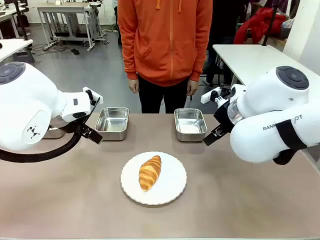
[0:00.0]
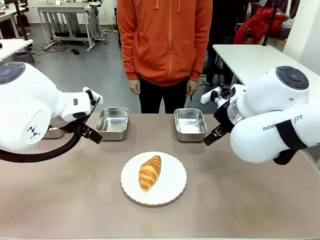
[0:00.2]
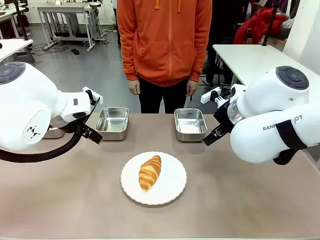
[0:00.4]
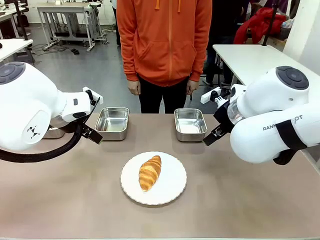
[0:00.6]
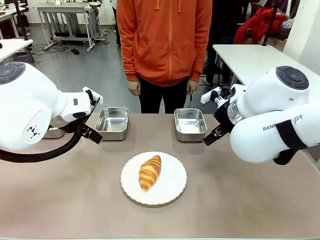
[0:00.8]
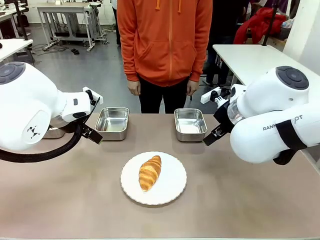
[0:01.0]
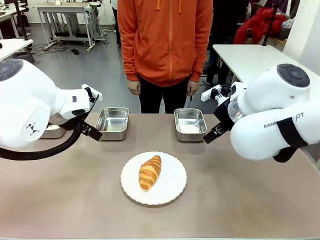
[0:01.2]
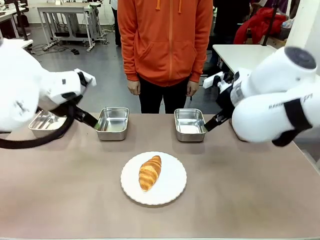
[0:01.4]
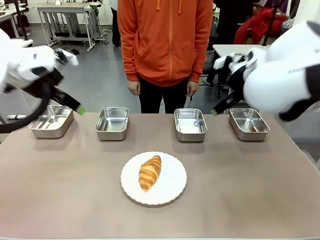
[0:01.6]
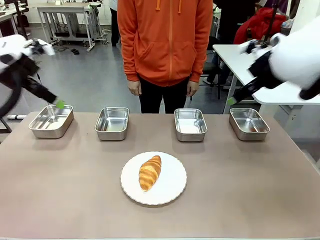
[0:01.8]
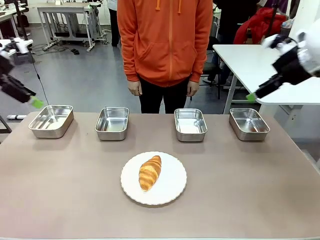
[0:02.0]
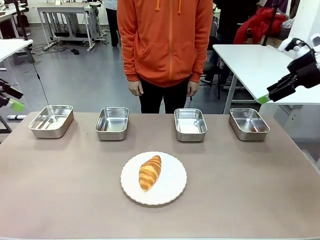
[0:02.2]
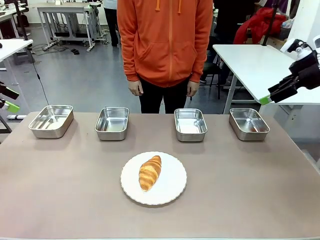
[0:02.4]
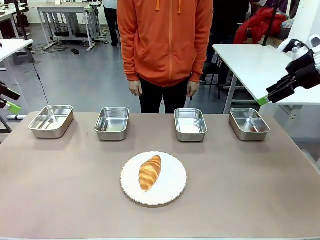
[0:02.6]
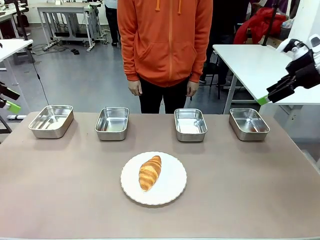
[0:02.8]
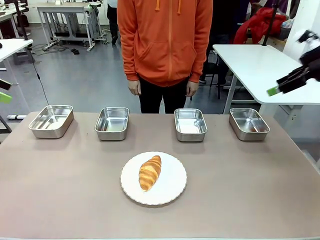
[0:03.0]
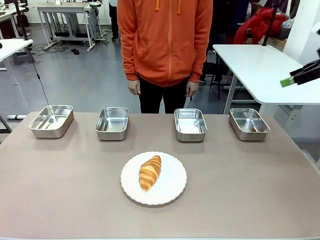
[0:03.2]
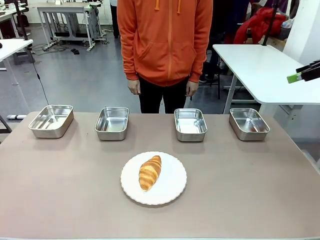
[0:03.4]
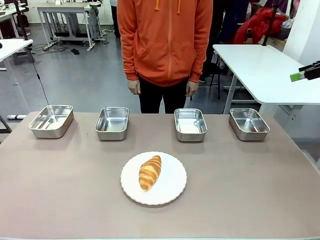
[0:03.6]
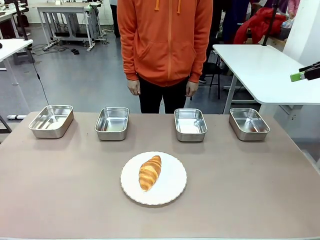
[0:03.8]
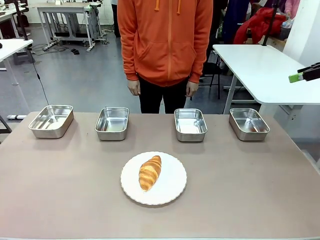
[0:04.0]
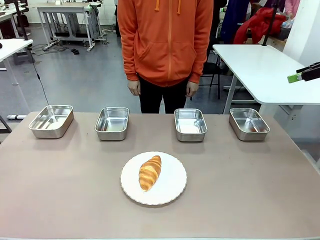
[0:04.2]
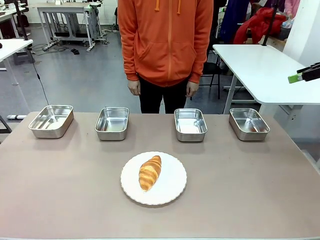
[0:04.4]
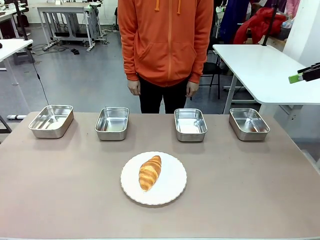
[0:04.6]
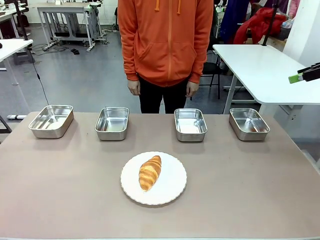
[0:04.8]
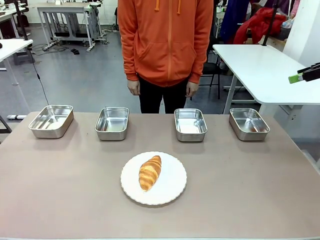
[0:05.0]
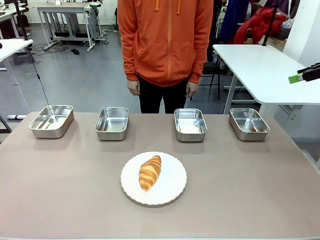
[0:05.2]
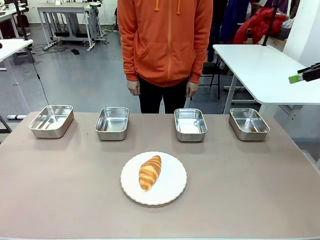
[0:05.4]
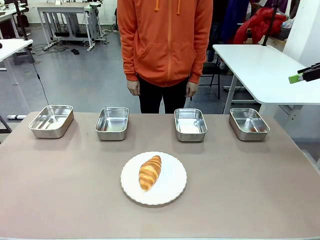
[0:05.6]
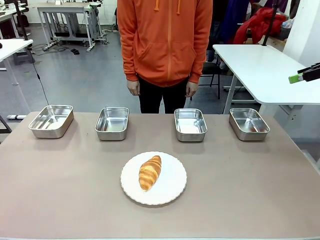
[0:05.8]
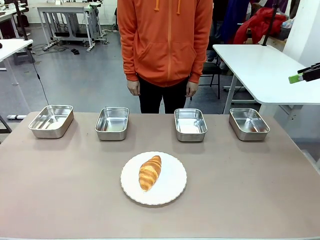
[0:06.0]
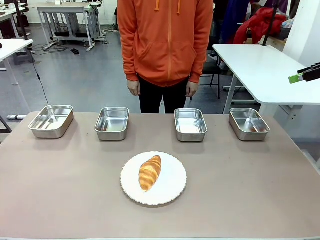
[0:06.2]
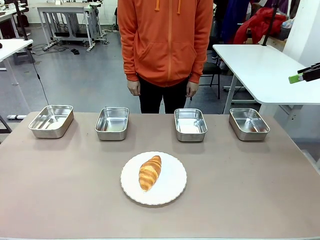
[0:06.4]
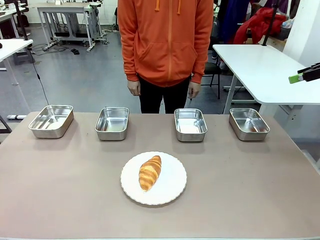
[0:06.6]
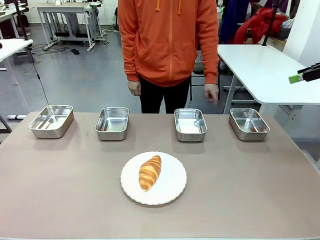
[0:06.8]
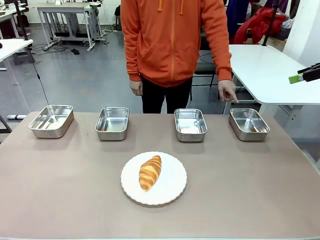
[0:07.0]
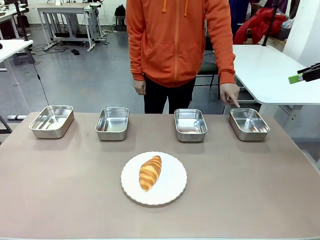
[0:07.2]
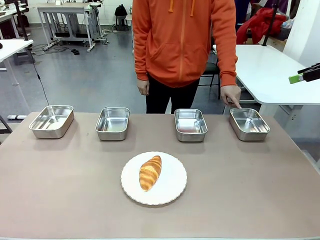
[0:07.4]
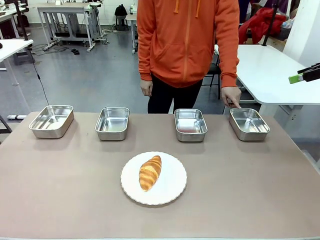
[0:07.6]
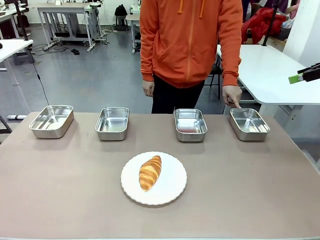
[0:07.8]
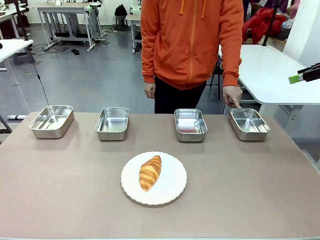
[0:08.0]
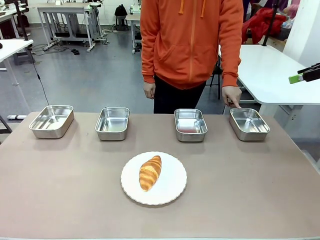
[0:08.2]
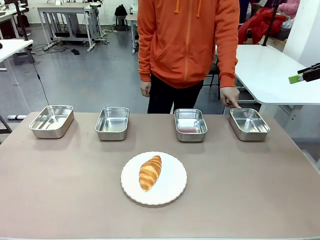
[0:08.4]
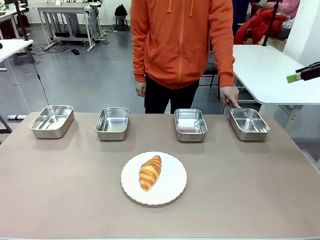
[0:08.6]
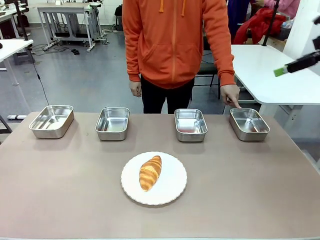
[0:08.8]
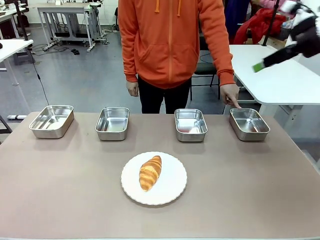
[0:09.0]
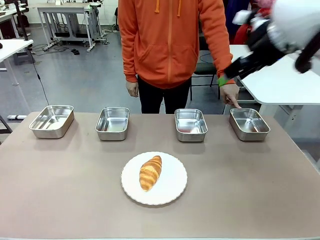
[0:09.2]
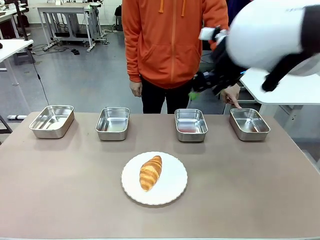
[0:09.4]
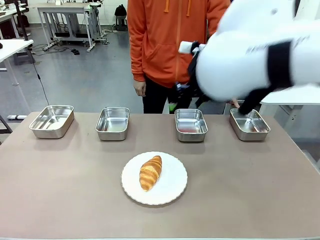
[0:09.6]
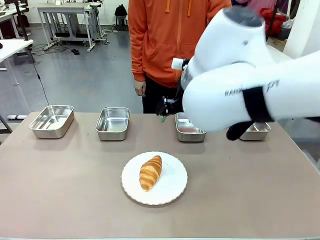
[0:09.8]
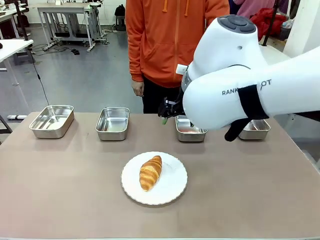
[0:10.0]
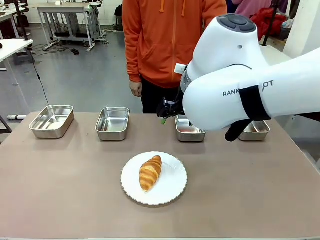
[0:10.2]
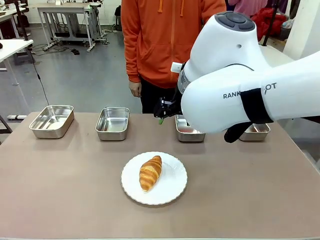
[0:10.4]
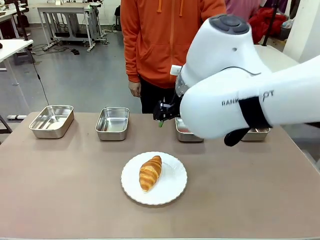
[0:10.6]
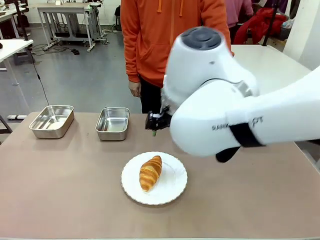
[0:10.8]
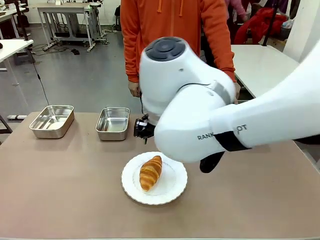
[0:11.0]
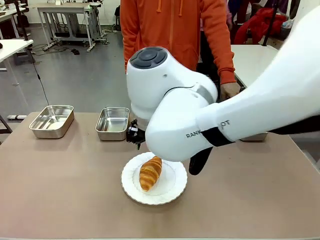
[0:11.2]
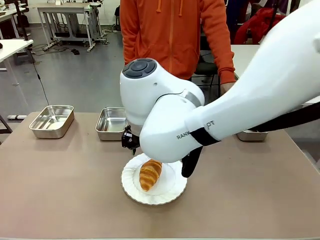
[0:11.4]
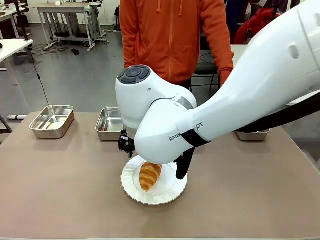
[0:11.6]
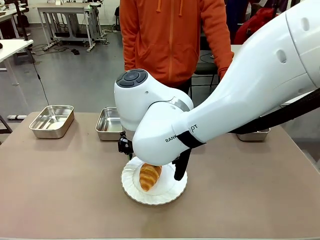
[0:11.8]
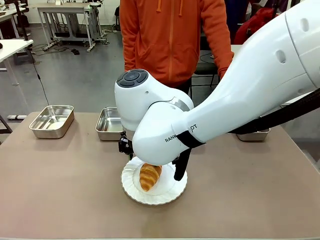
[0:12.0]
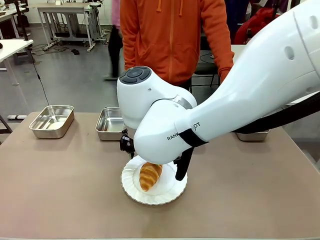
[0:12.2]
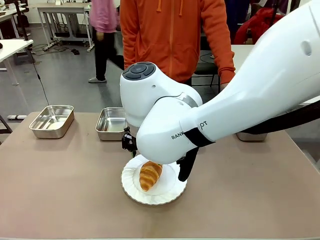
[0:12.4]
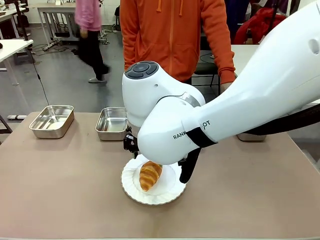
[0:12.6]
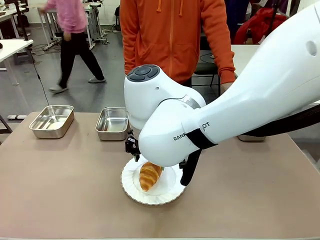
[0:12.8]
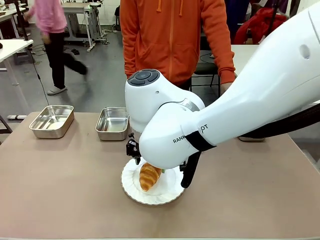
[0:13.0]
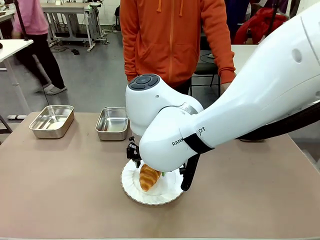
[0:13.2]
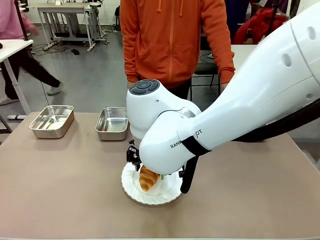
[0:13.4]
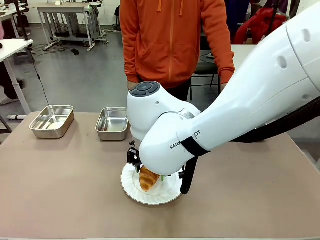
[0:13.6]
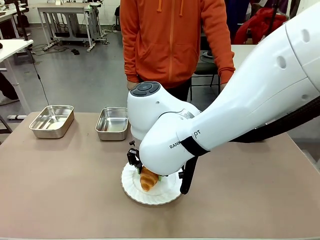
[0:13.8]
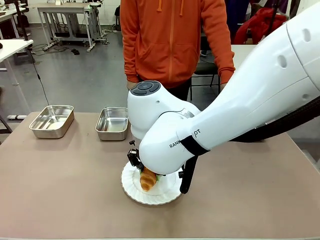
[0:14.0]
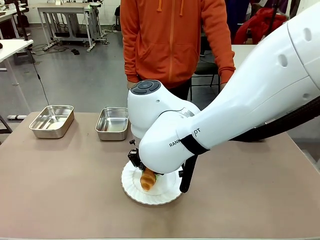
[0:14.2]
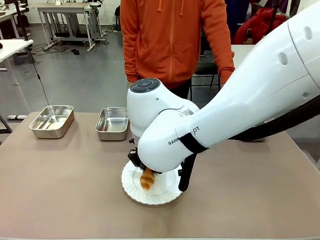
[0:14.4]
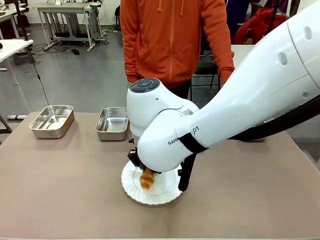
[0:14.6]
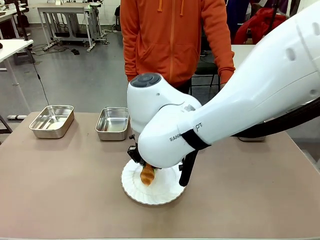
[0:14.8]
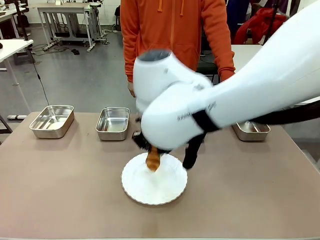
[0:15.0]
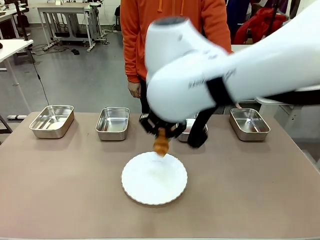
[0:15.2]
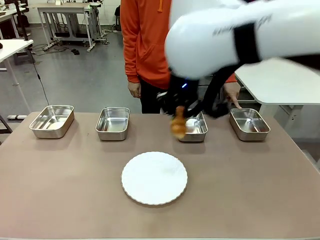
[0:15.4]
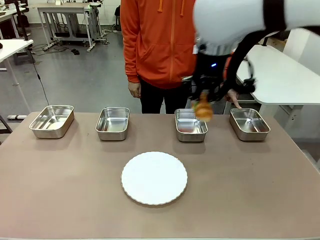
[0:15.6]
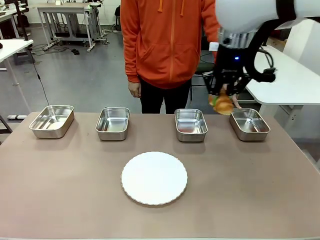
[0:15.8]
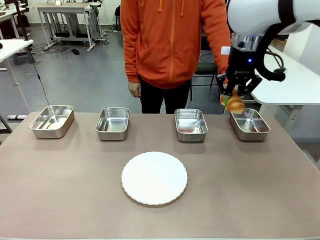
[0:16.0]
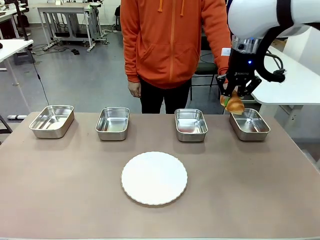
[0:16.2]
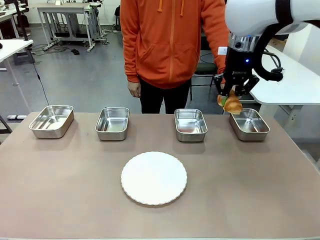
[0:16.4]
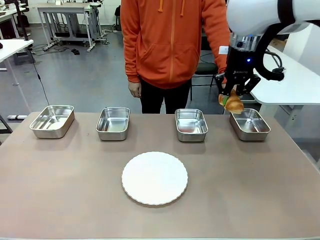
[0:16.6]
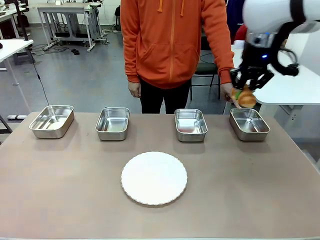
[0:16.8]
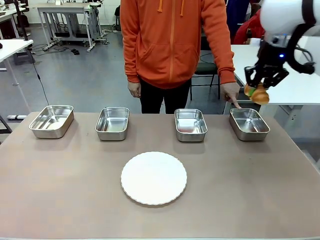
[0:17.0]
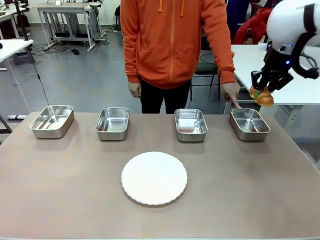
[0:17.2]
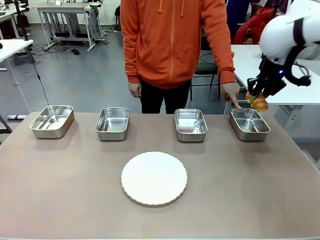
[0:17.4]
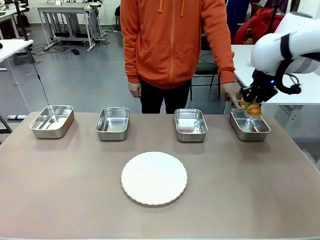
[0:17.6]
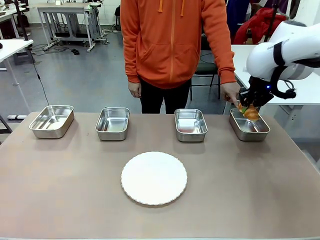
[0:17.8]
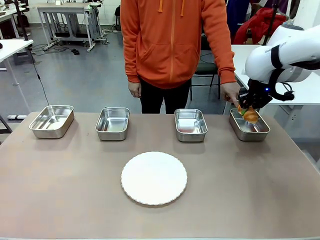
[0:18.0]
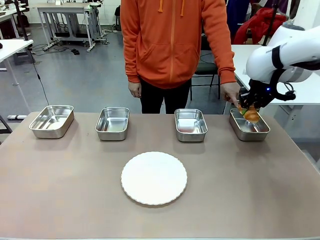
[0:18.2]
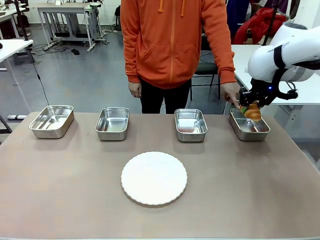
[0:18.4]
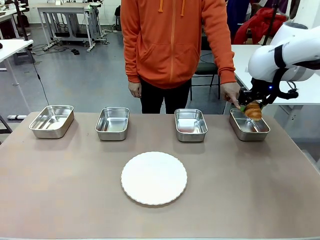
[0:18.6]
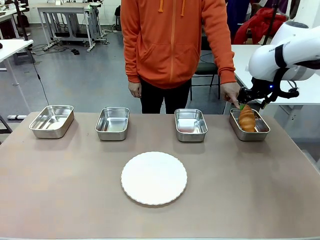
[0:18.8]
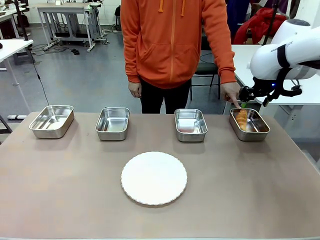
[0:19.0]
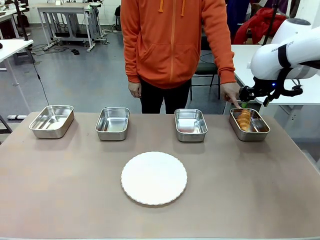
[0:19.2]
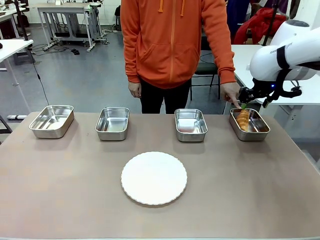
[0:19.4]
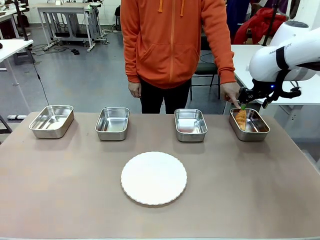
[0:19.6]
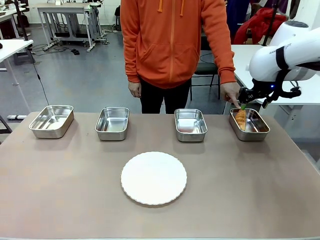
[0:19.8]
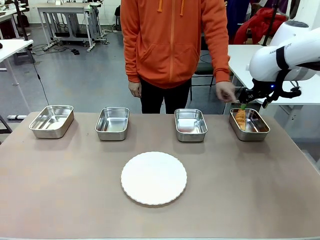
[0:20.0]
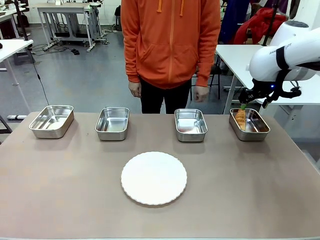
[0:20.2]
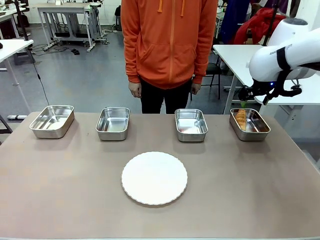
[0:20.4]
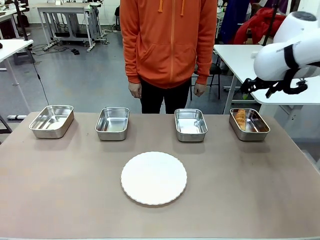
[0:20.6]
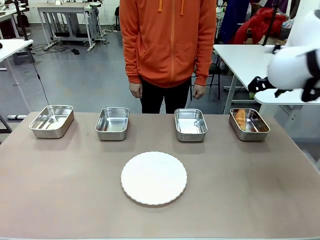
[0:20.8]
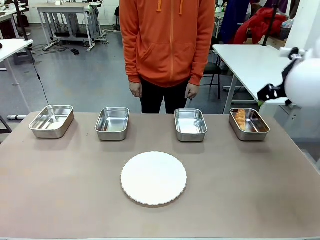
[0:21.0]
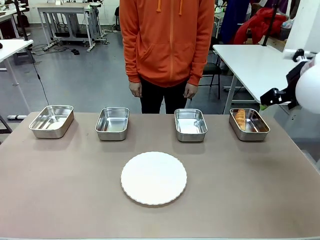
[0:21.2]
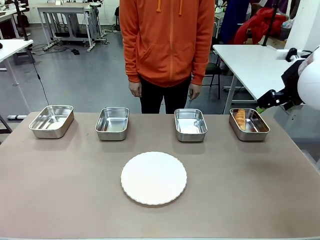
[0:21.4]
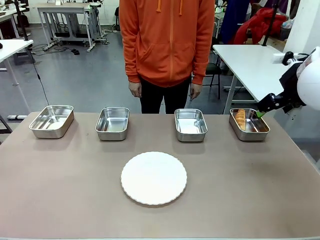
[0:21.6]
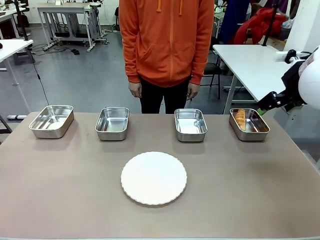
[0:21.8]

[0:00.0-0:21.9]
Task: Place the bread in the container.
Robot: Place the Butter Roll into the Airtight Container indicated by the human.
Person: A person randomly selects and points to an Airtight Container.
